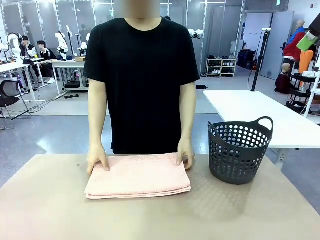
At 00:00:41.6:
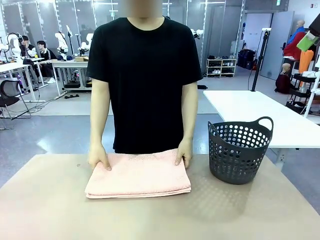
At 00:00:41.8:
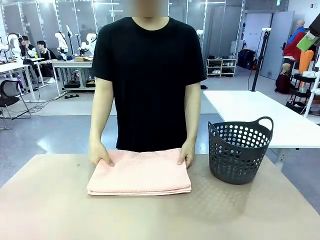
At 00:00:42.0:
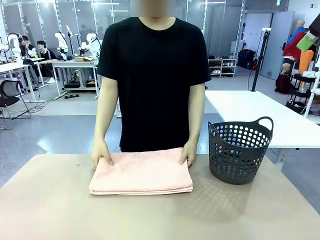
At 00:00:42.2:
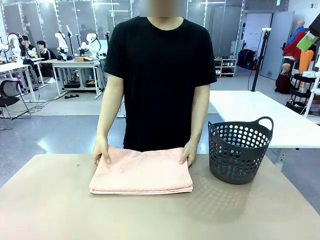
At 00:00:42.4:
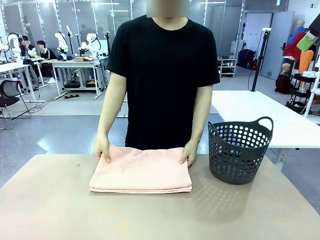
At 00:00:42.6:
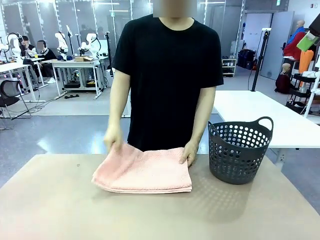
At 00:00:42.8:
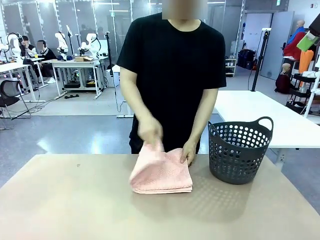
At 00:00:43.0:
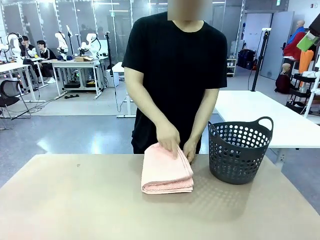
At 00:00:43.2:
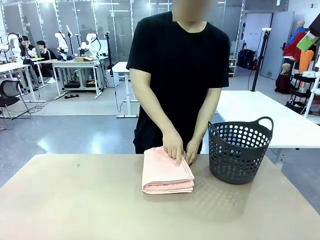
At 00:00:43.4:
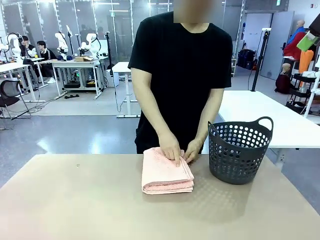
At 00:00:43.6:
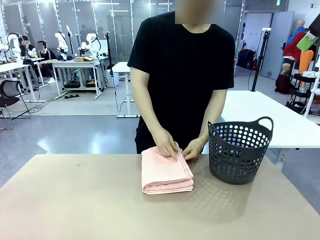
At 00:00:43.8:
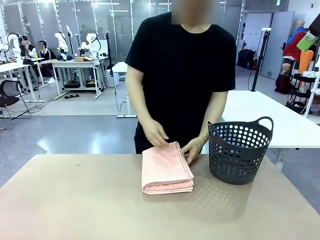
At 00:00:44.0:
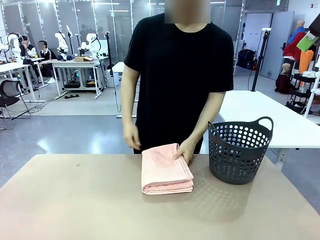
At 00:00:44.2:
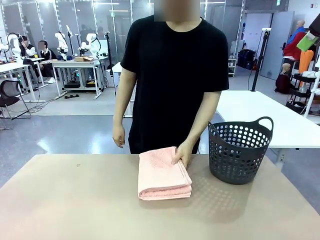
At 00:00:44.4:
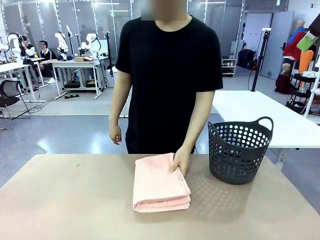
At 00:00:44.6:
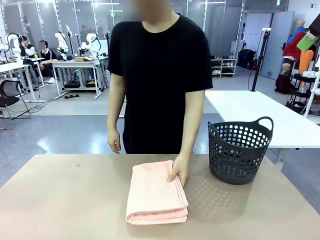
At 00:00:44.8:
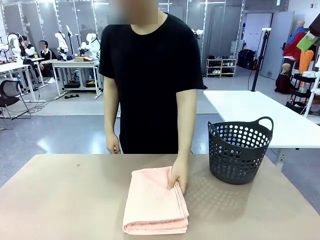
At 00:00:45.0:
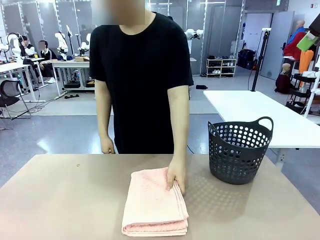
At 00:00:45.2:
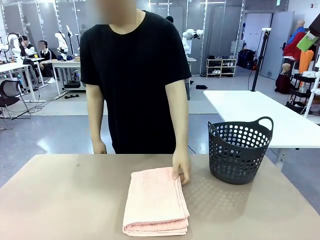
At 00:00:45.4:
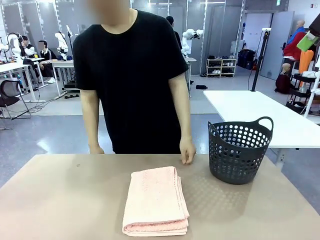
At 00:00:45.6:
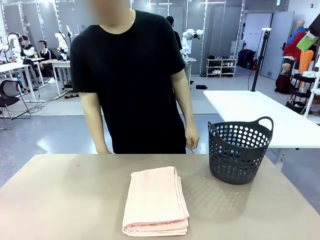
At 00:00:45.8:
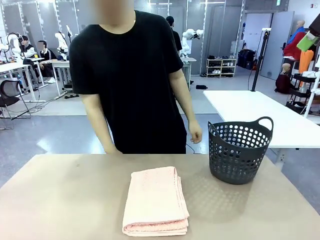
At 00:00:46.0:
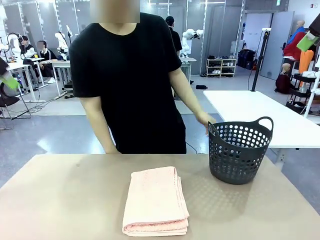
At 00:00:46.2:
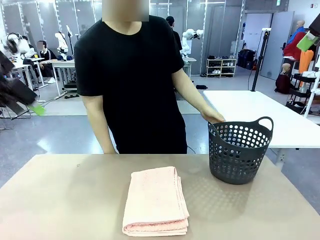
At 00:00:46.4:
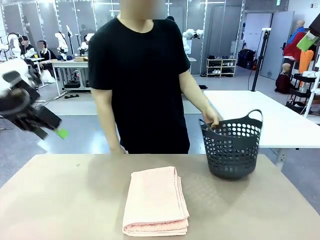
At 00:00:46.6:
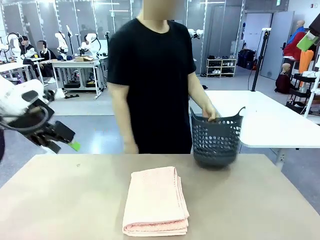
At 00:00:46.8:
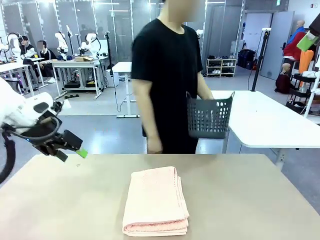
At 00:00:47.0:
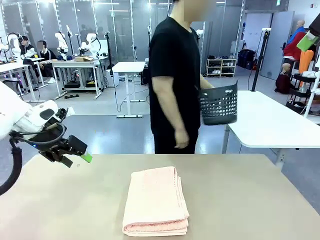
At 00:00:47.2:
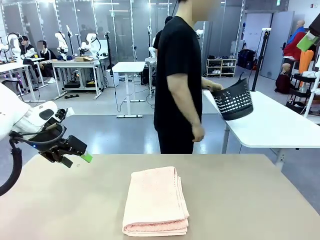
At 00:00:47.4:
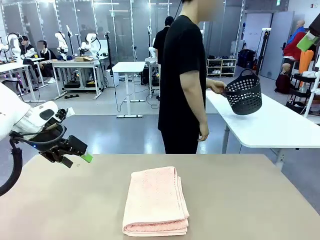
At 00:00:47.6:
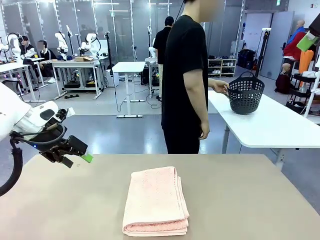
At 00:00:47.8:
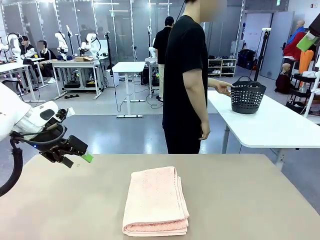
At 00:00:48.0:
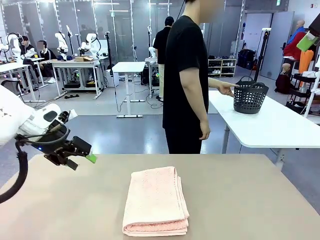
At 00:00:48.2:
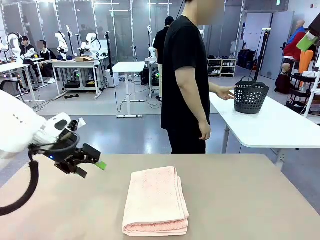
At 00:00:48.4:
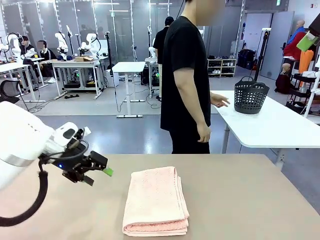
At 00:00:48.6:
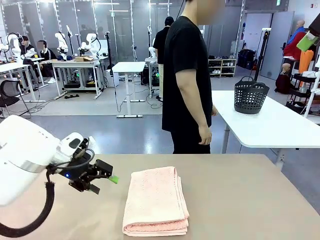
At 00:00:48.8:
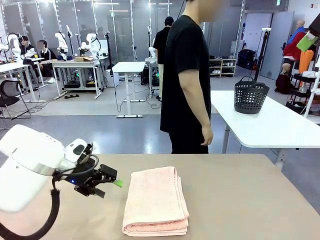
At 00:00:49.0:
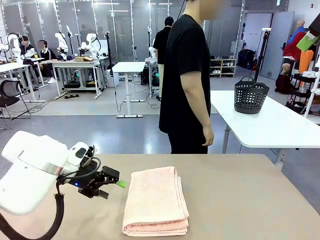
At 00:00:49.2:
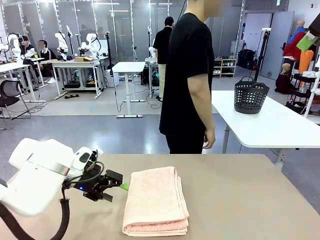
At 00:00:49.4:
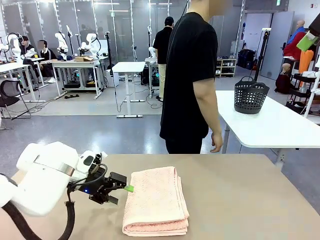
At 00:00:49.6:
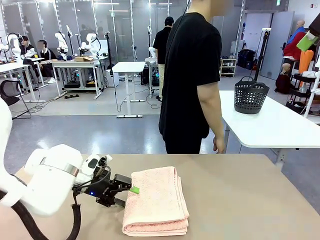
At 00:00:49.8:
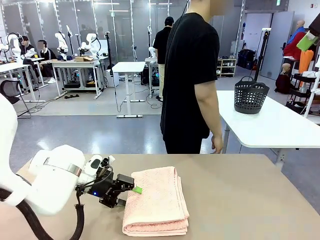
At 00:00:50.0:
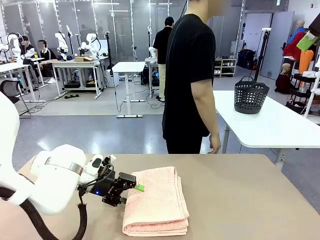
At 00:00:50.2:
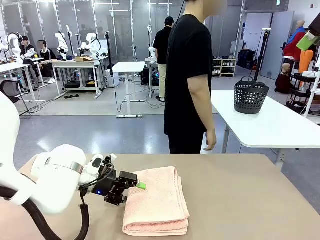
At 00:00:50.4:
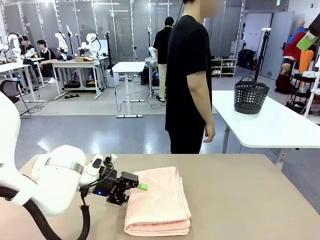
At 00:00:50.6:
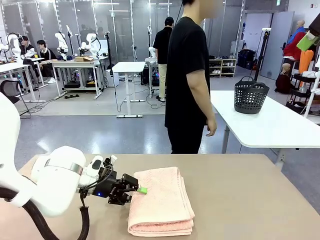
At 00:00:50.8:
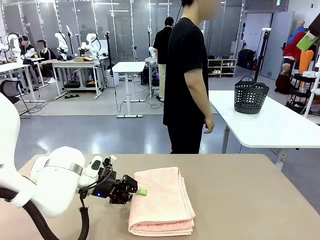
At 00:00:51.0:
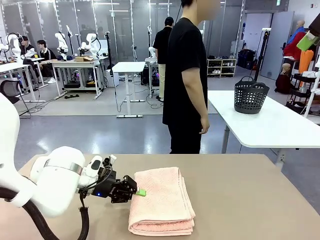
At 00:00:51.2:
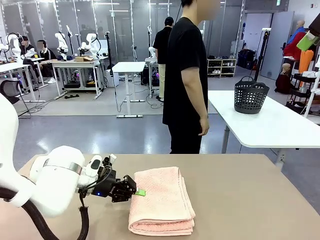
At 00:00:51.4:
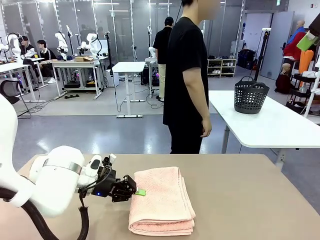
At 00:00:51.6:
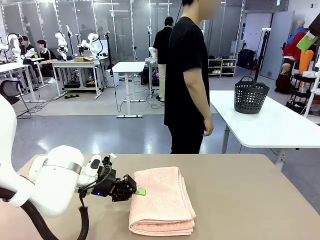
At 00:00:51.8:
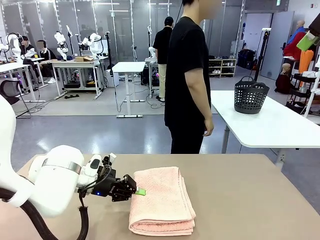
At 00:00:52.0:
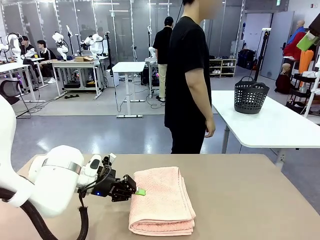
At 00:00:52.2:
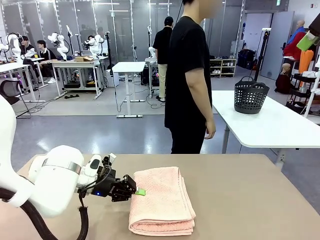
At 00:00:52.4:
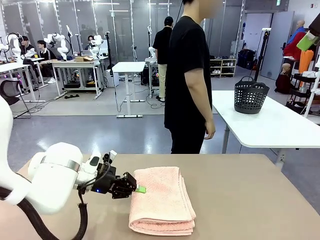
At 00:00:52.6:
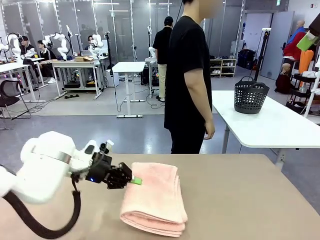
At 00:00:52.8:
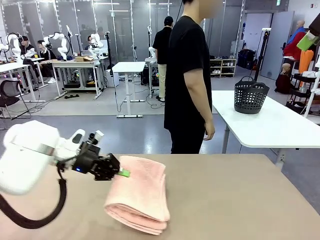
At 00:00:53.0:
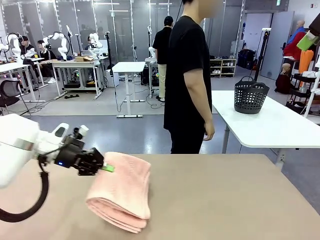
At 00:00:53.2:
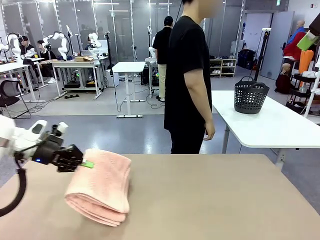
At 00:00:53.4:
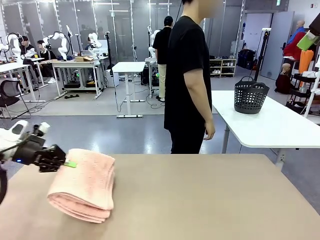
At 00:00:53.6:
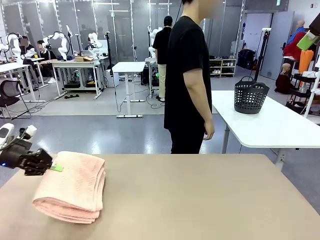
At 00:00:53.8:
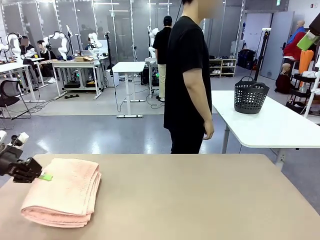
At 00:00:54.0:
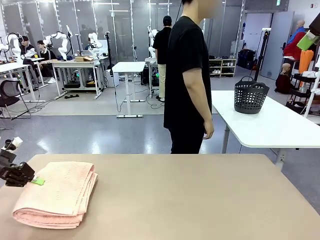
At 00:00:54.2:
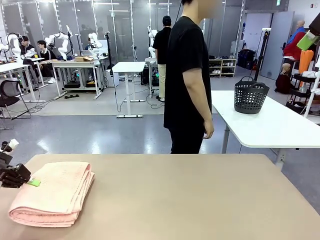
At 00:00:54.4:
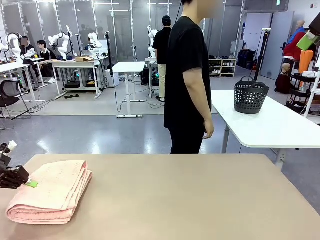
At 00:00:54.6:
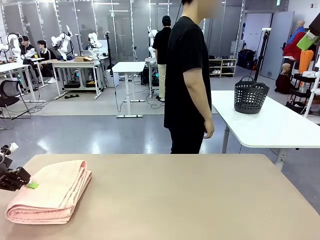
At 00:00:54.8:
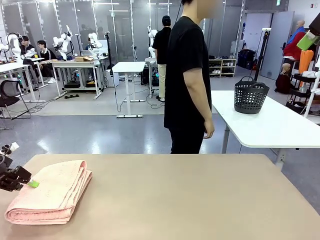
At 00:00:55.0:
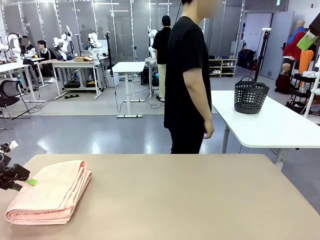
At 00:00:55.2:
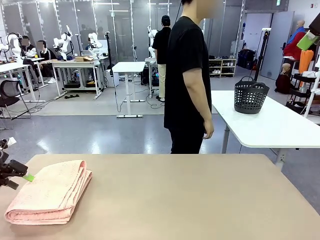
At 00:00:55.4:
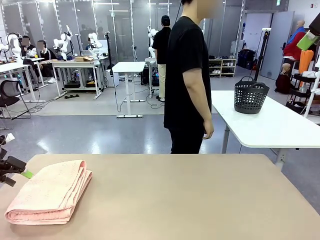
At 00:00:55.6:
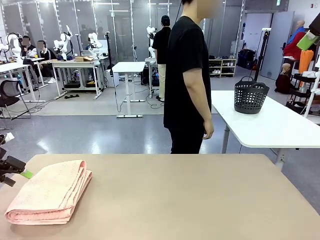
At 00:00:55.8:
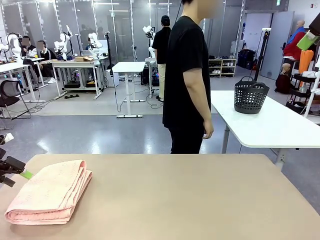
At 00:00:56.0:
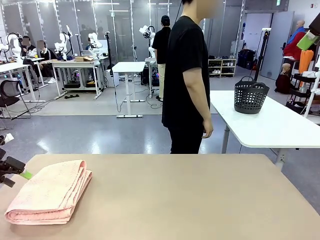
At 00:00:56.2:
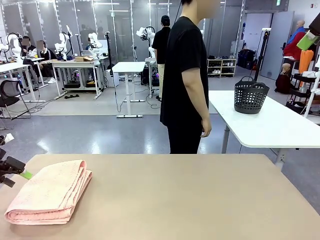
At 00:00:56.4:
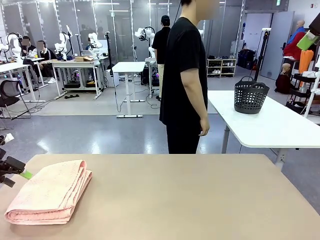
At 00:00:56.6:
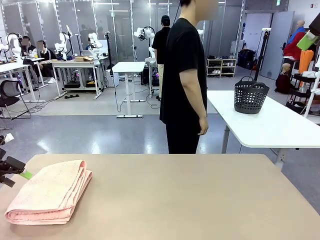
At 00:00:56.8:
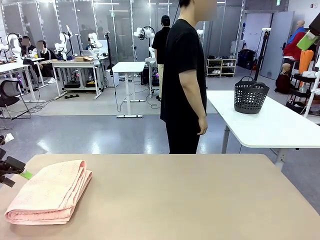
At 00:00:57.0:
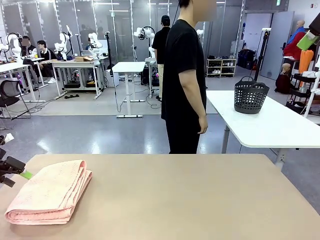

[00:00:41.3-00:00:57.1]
Task: Fold the towel.
Robot: Pick up the 100 cm Hotel Towel and place it on the left side of the table.
Person: Pick up the laundry basket and place it at the center of the human table.
